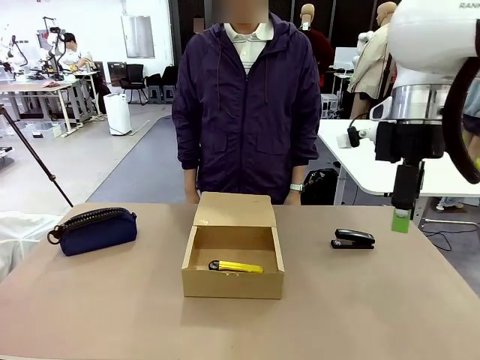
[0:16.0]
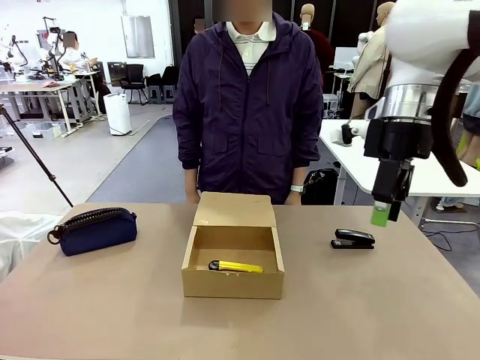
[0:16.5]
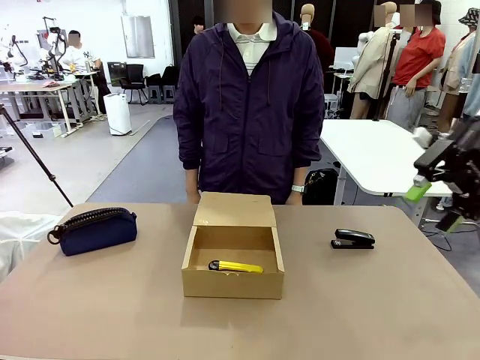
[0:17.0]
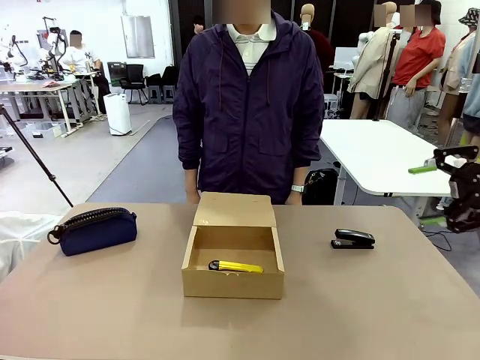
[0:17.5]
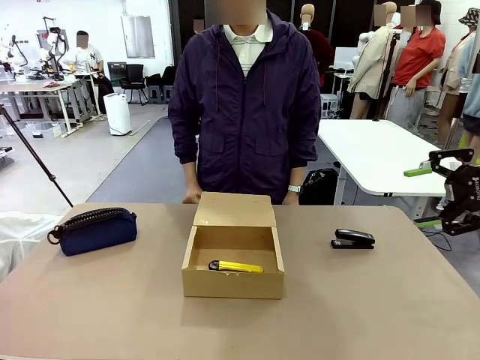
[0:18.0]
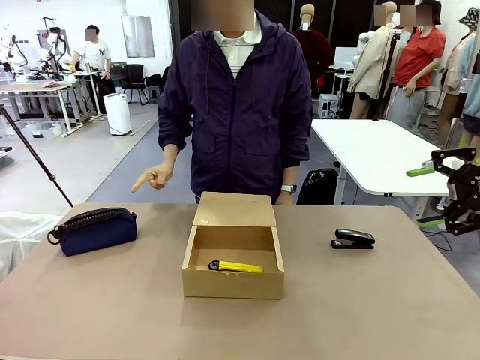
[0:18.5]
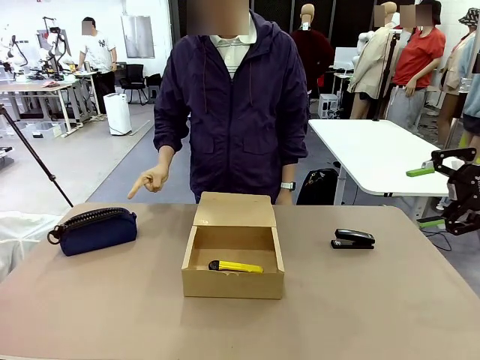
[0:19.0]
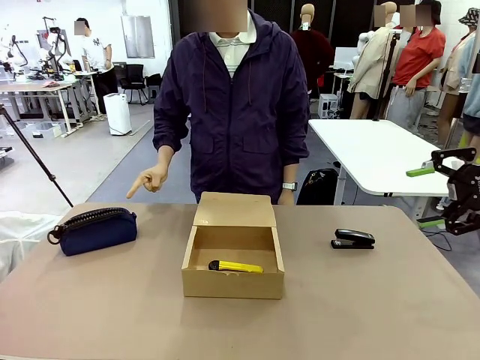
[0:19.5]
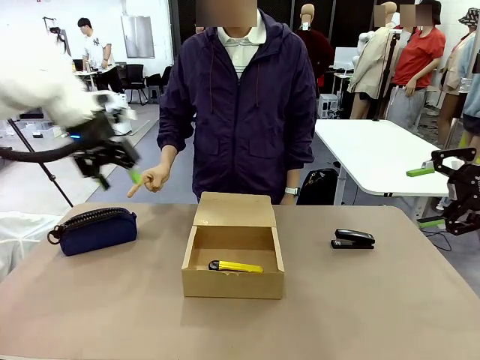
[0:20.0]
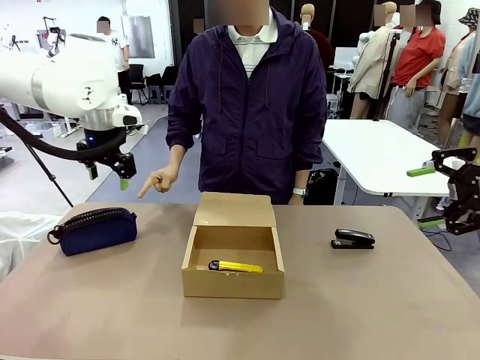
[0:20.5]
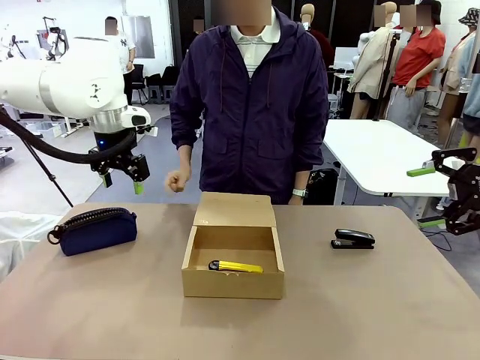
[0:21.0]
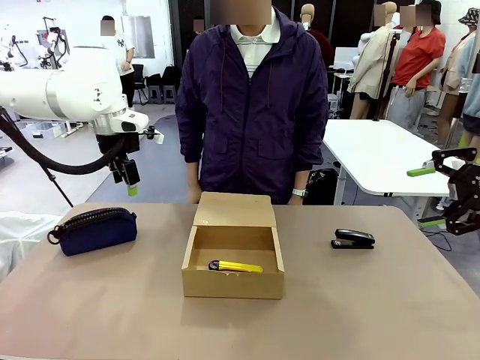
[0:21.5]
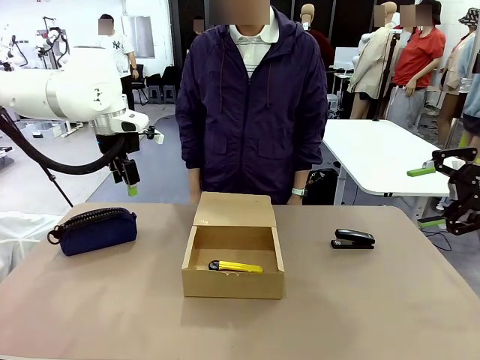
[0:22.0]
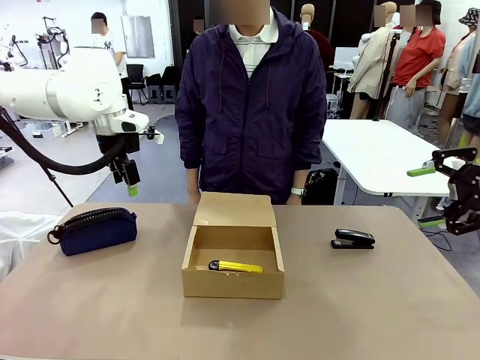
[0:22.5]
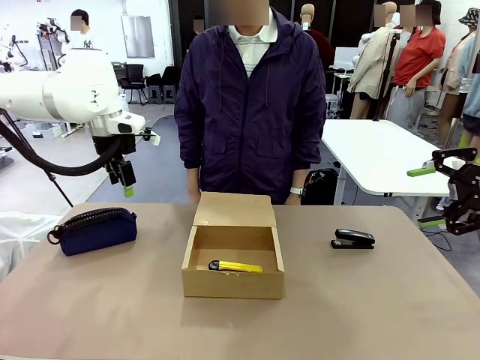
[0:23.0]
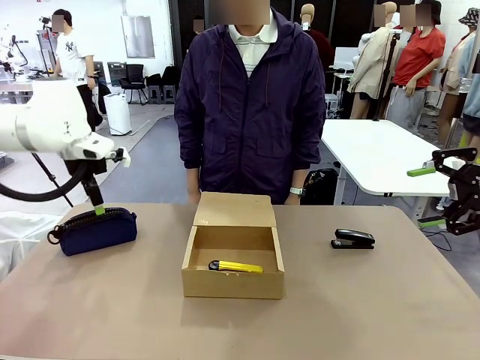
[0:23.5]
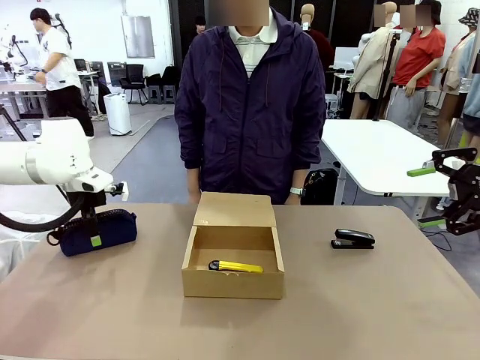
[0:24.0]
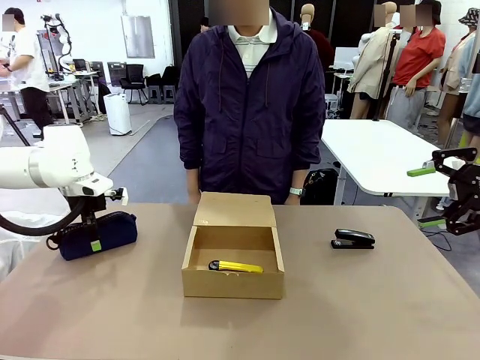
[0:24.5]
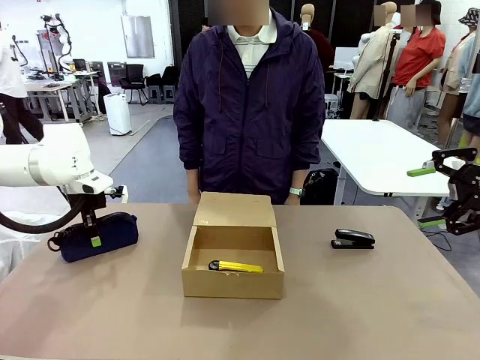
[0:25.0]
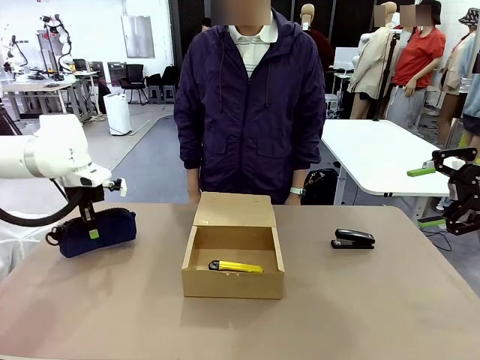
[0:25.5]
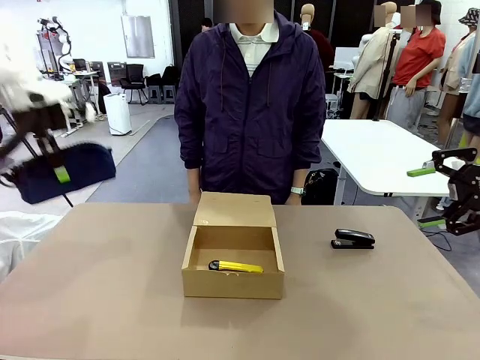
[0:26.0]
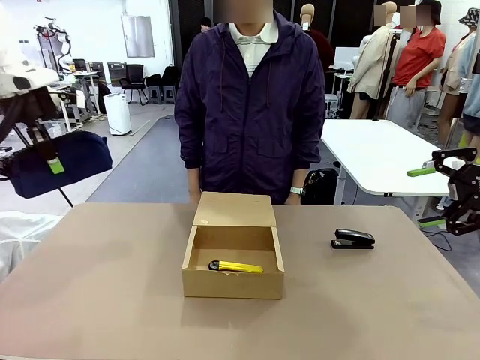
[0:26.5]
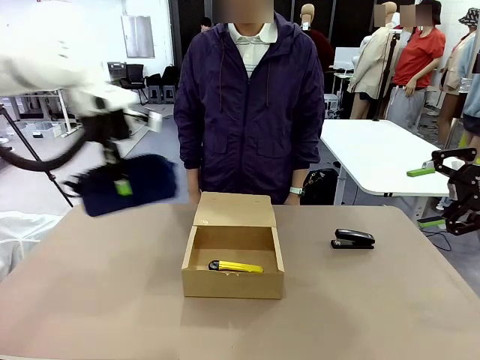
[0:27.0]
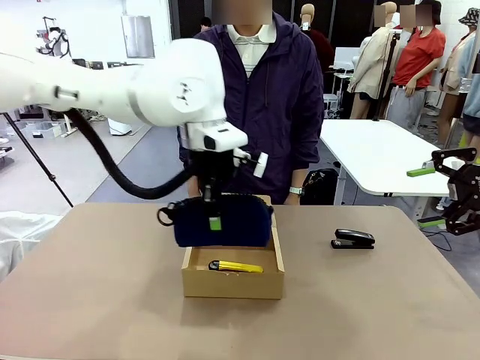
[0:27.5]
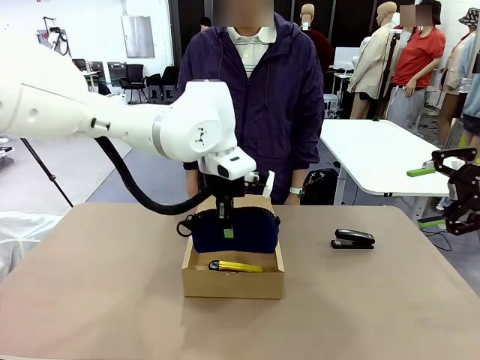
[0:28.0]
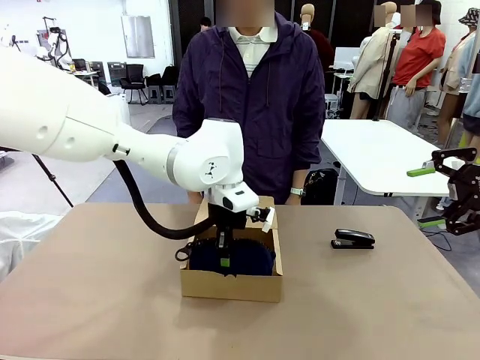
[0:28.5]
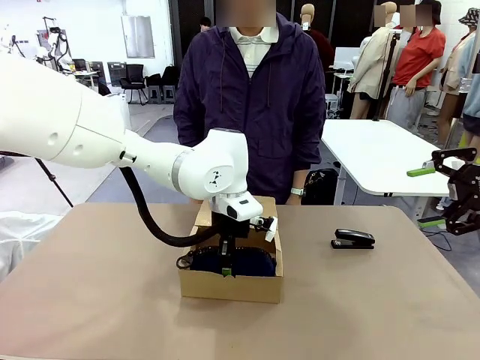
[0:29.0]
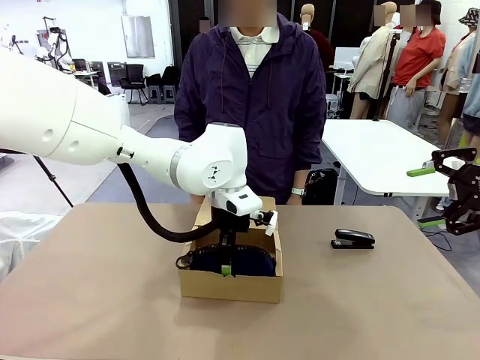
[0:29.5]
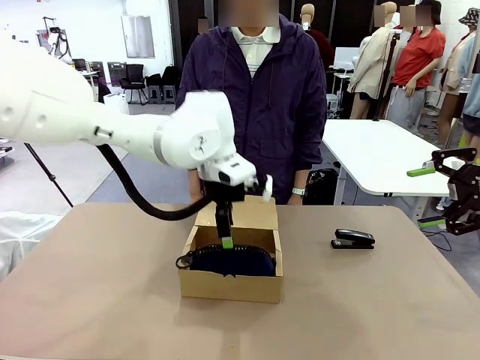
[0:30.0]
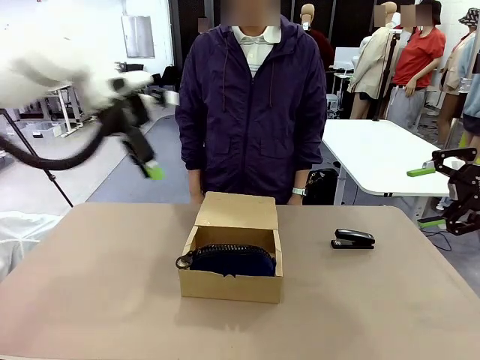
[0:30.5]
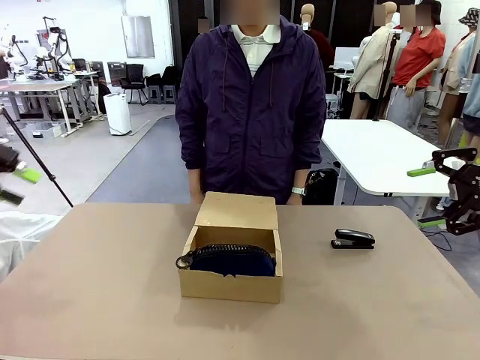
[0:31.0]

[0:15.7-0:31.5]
Task: Pack the items into the box.
Robot: Pick up the item specified by the human and place it in the Mailer Box.
Person: Lower both hands vertically with palms facing downward, as if pressing something closed.
